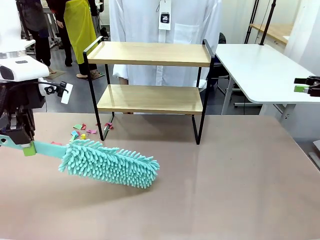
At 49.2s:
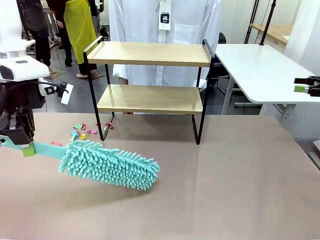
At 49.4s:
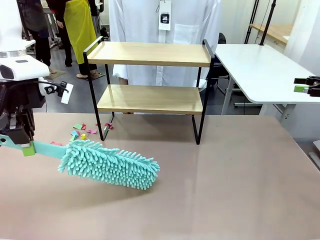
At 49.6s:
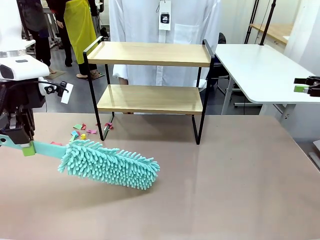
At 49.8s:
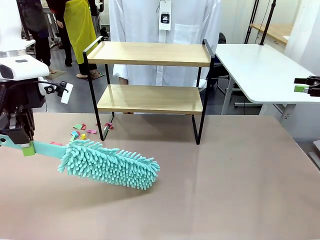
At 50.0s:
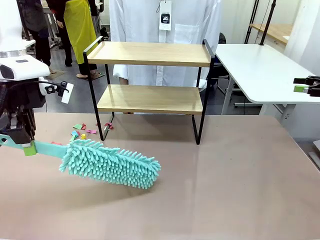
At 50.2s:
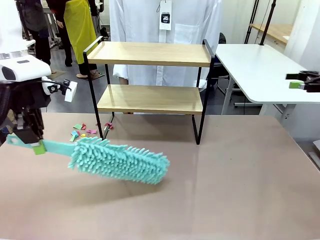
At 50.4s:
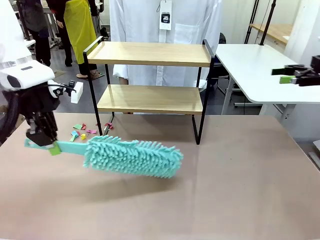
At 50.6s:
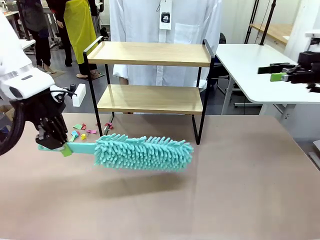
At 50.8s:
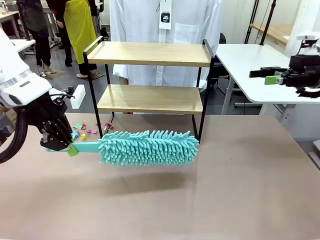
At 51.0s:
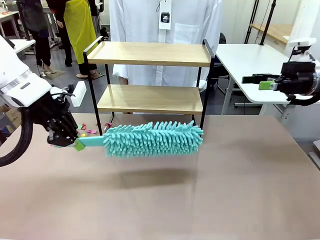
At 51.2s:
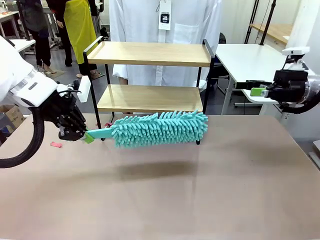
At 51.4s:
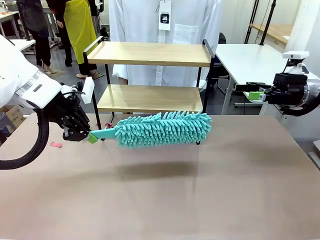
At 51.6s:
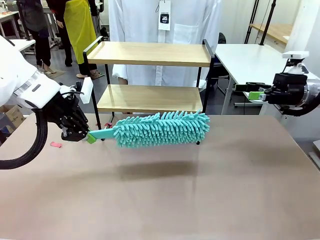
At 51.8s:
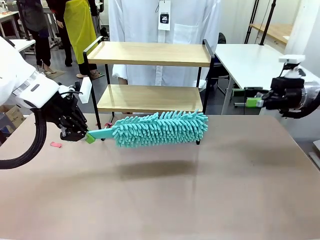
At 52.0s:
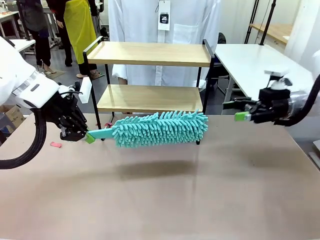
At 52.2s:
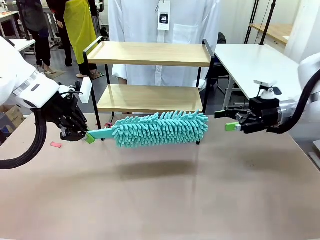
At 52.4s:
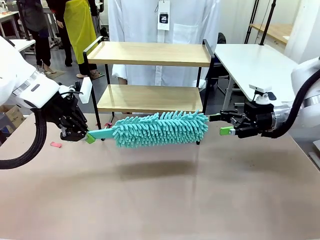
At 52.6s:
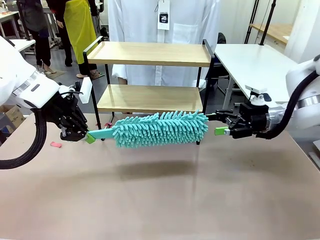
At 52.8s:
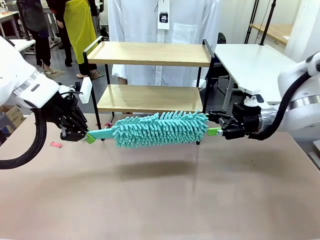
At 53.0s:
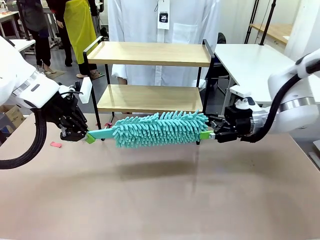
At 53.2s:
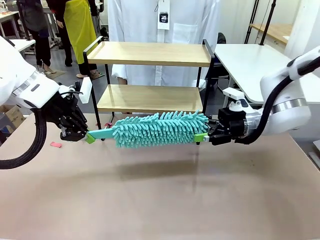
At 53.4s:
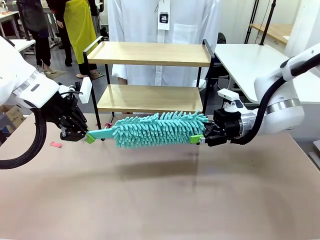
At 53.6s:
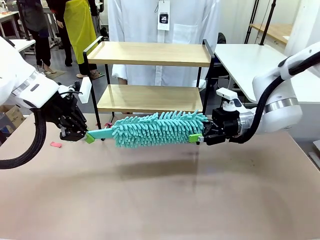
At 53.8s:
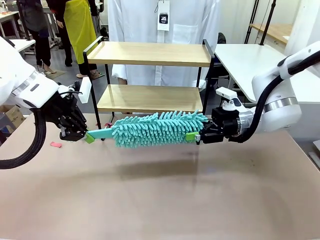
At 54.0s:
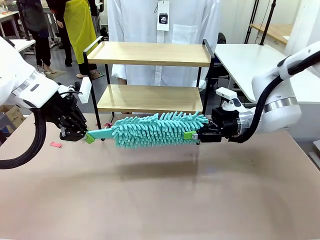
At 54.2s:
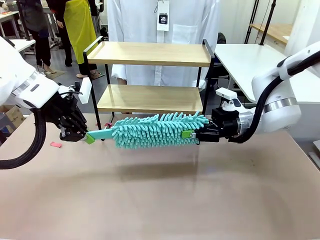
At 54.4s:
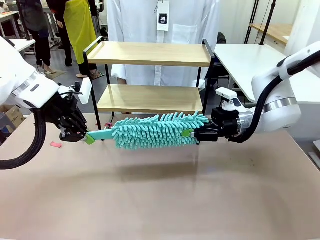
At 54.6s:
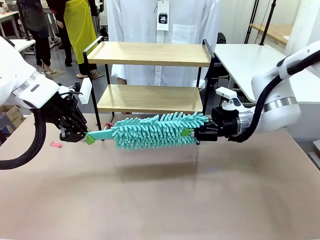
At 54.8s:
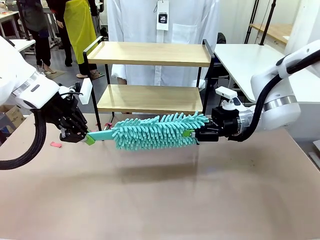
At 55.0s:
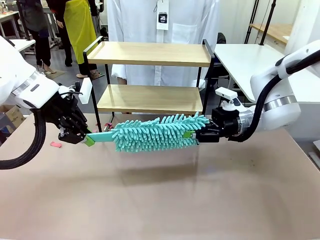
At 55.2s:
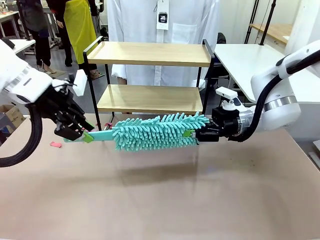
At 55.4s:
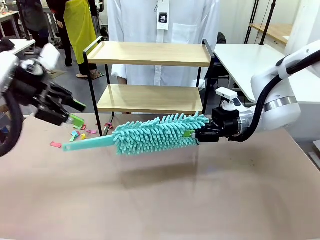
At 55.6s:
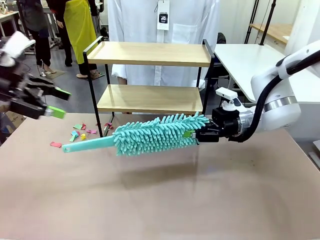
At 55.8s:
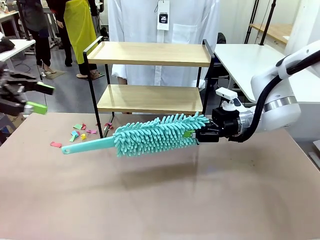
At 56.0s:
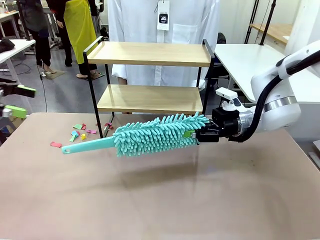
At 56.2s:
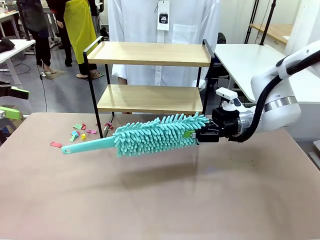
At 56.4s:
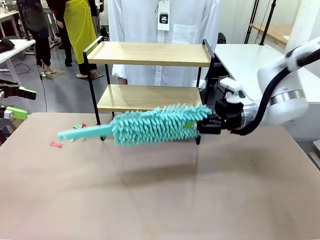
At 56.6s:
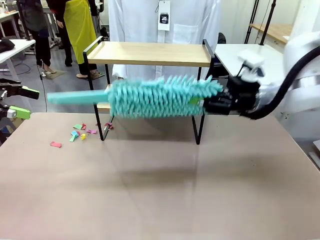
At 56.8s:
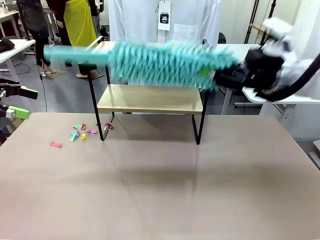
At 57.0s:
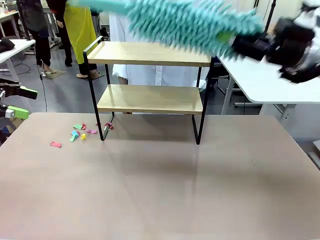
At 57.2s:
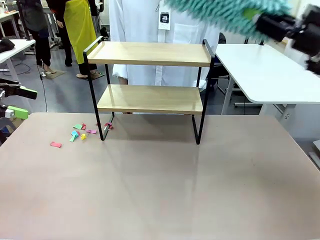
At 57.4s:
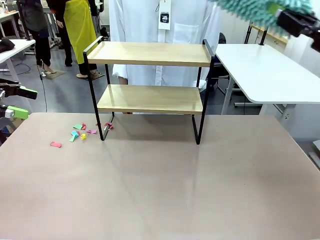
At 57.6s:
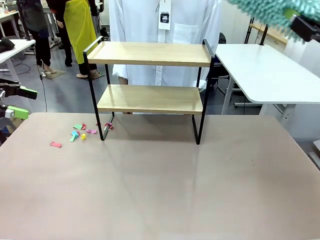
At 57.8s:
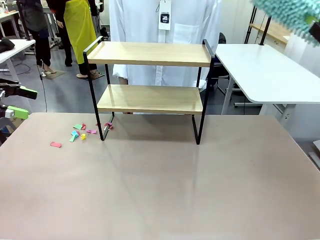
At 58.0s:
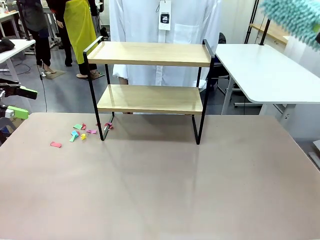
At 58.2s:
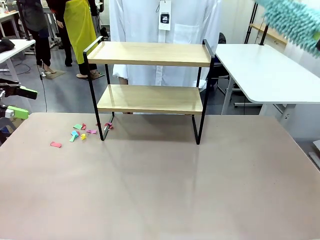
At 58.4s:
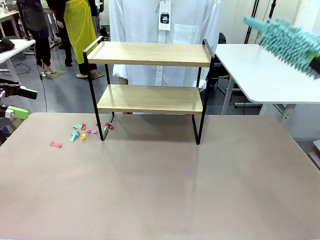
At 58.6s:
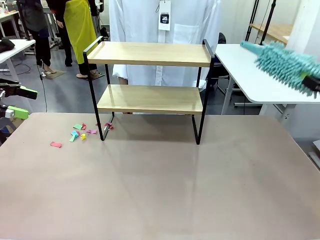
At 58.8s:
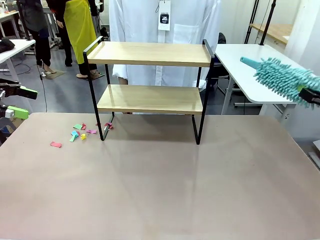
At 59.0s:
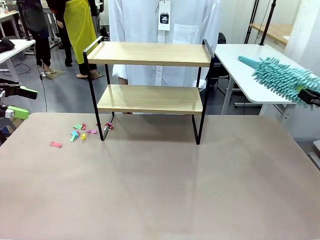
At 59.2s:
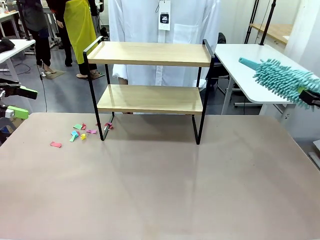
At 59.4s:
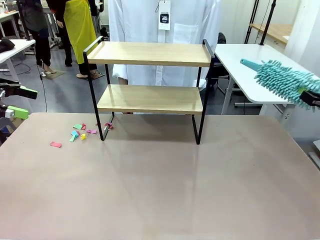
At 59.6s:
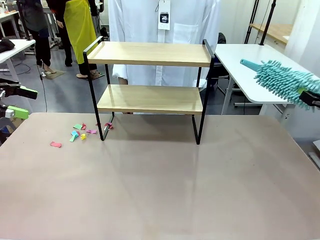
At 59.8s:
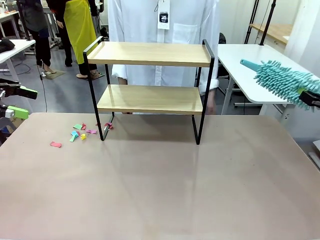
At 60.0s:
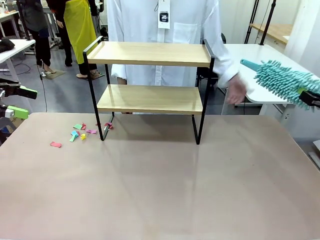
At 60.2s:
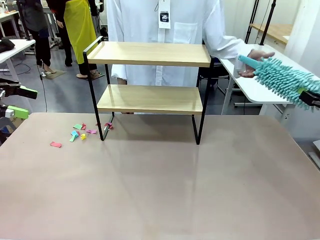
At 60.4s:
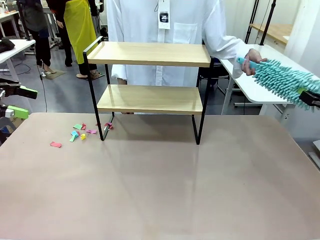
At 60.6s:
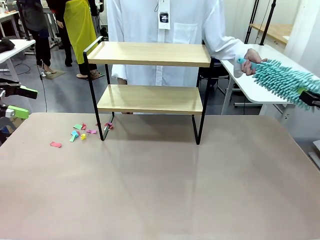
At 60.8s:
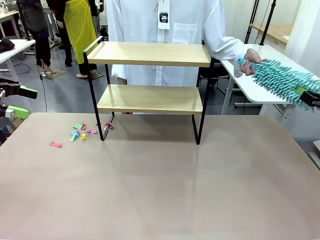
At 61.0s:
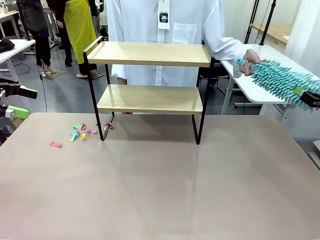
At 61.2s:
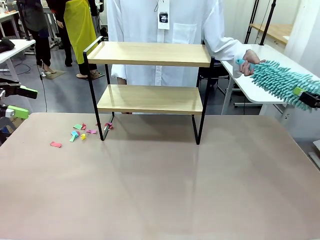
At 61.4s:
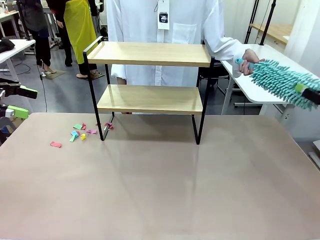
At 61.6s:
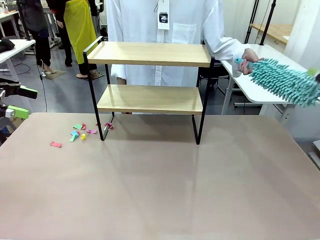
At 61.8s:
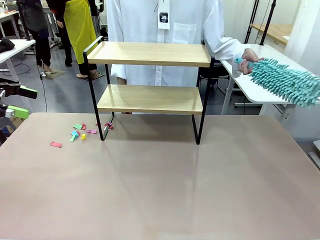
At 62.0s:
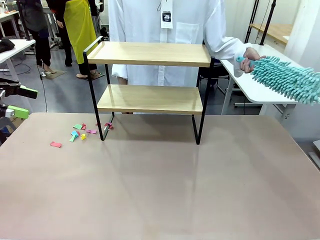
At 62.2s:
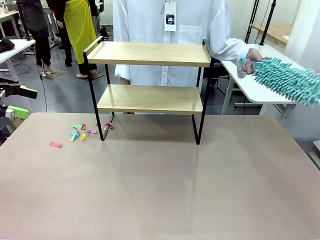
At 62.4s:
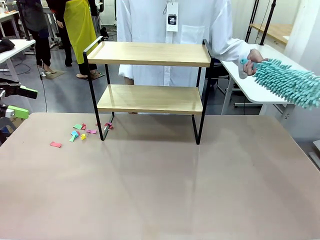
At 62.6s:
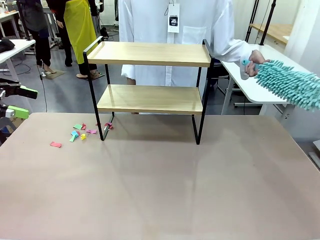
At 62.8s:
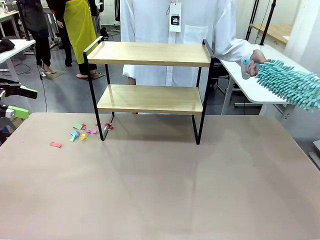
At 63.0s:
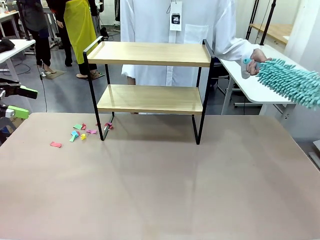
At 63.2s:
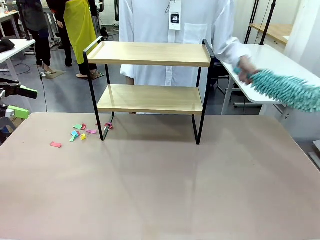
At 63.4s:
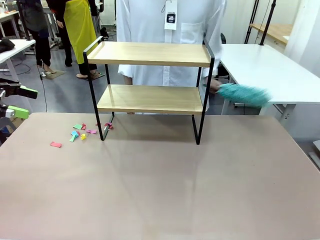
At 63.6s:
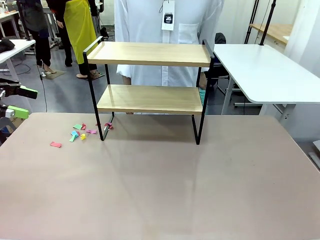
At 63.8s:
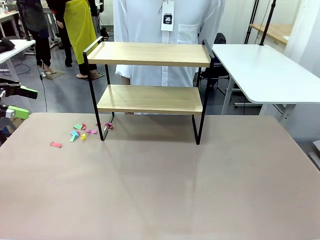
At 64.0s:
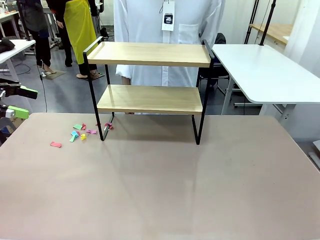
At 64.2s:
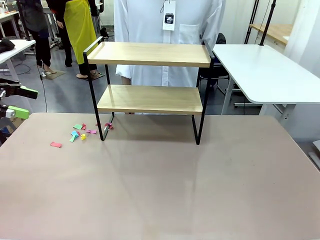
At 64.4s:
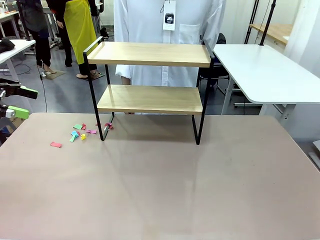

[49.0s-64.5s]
Task: Clean the shelf.
Robot: Hand the Duster back to the human.
Person: Receive the Duster from the robot.
